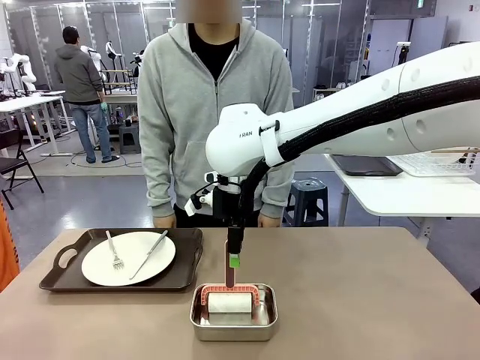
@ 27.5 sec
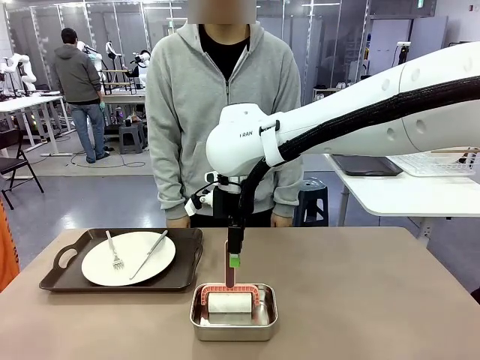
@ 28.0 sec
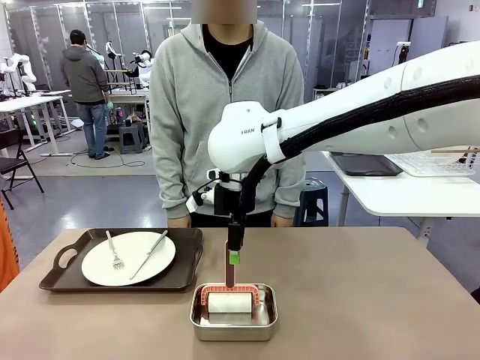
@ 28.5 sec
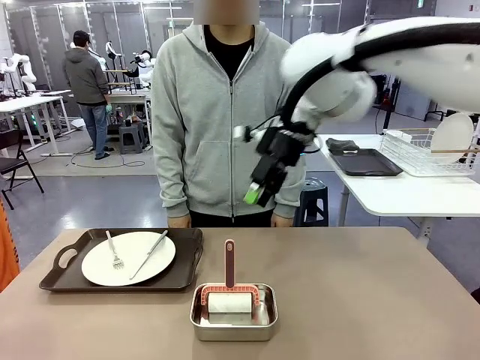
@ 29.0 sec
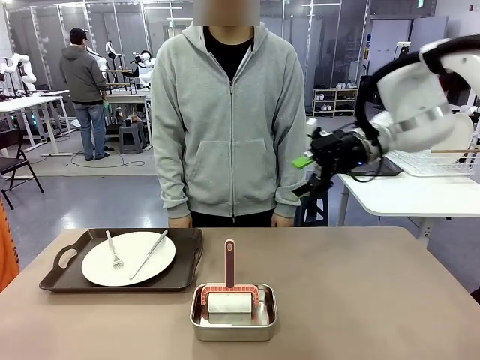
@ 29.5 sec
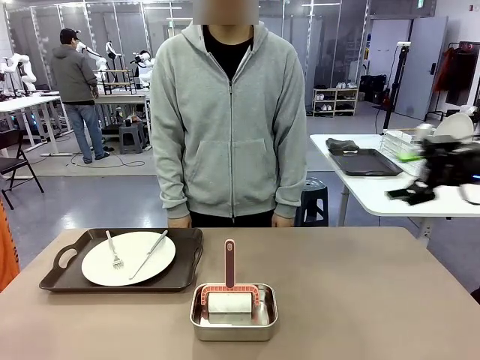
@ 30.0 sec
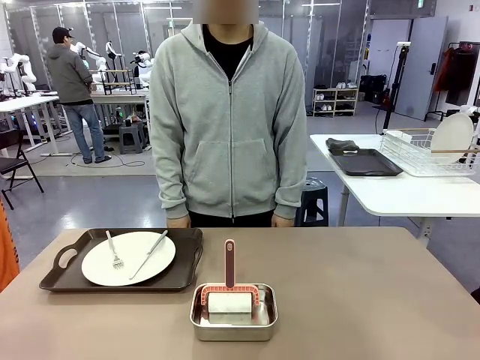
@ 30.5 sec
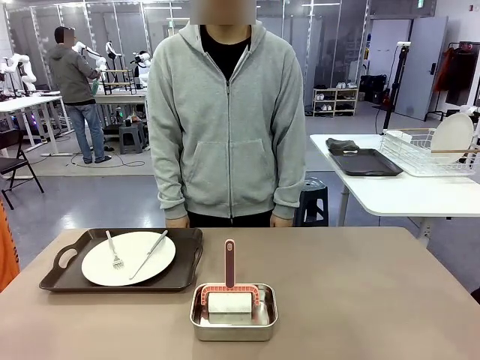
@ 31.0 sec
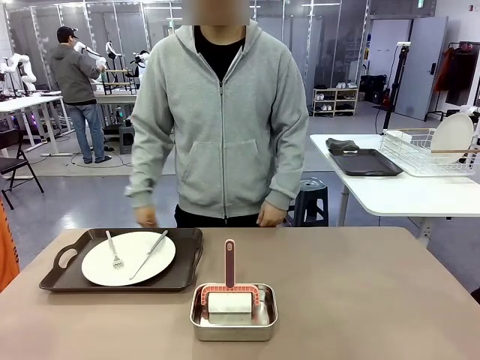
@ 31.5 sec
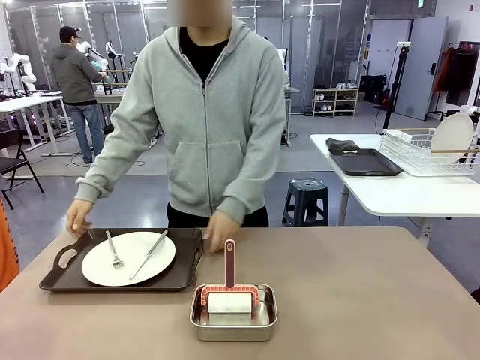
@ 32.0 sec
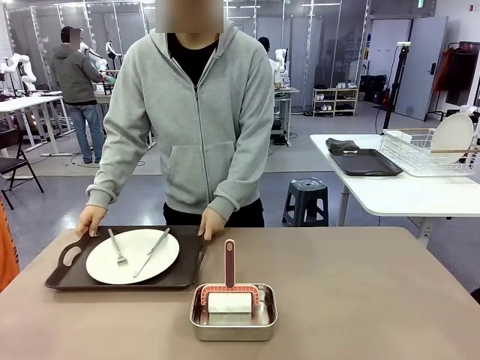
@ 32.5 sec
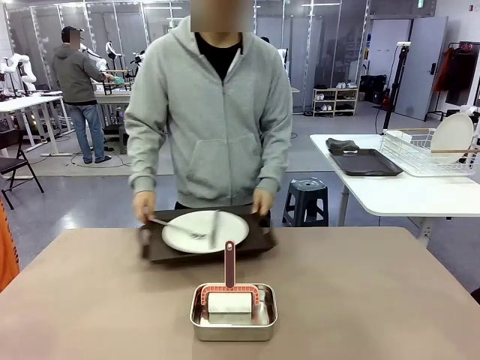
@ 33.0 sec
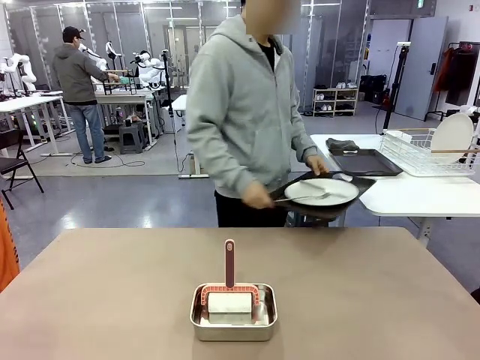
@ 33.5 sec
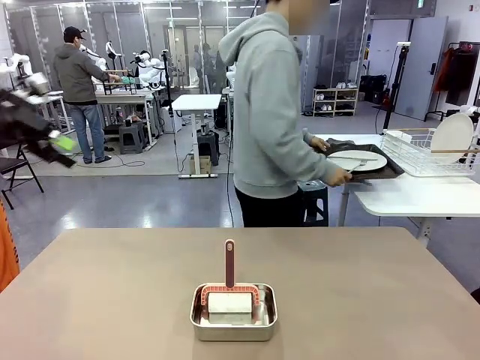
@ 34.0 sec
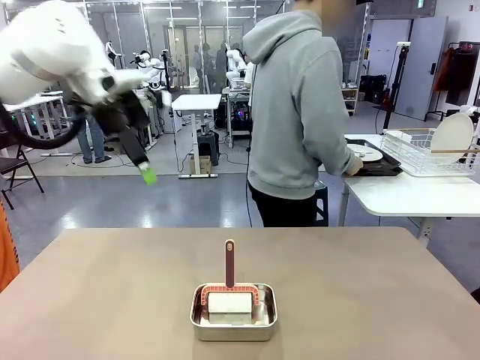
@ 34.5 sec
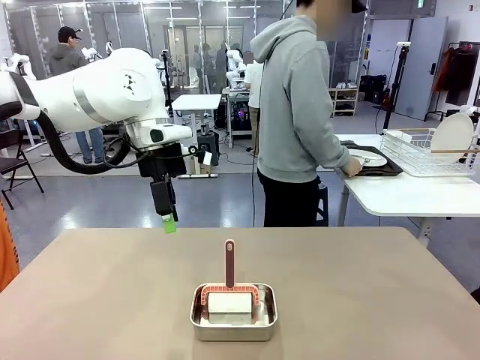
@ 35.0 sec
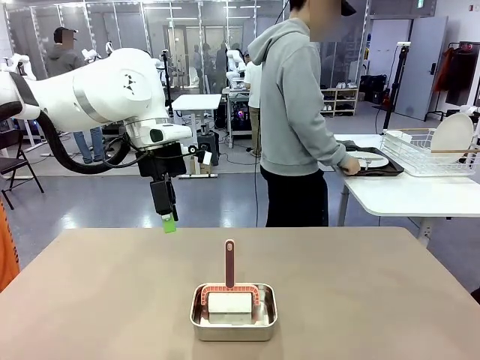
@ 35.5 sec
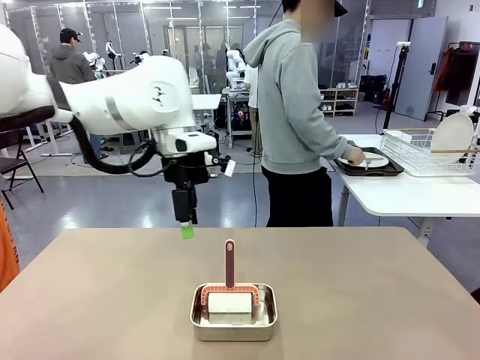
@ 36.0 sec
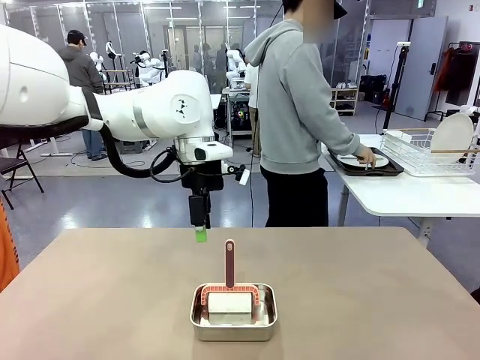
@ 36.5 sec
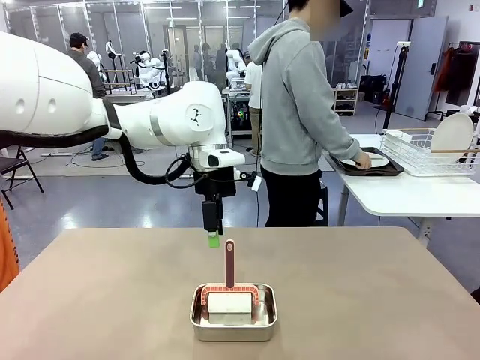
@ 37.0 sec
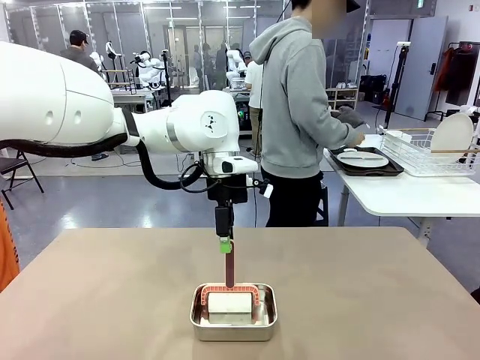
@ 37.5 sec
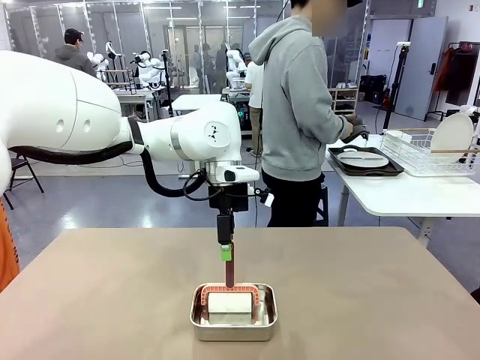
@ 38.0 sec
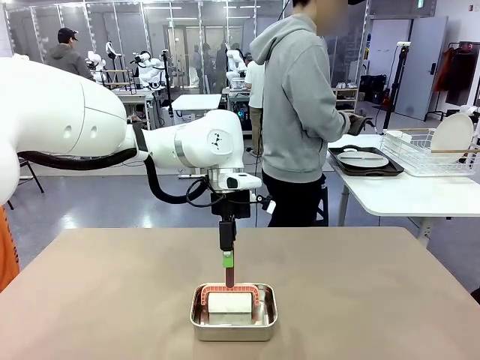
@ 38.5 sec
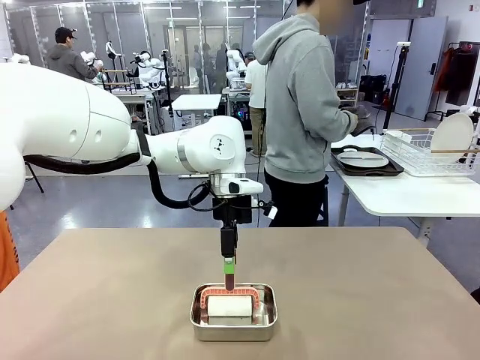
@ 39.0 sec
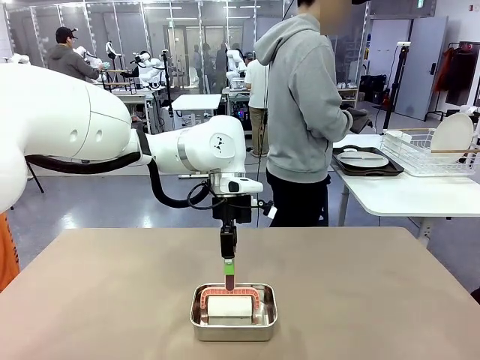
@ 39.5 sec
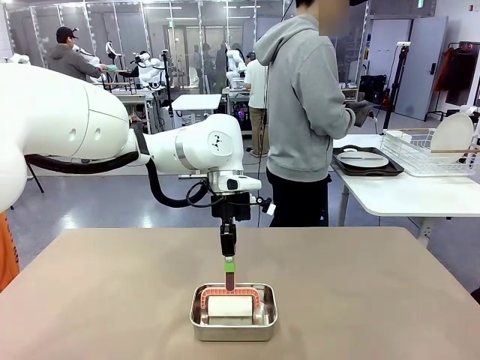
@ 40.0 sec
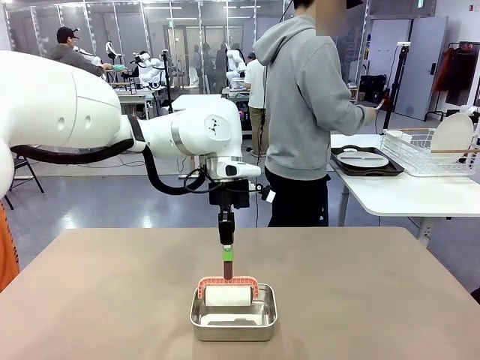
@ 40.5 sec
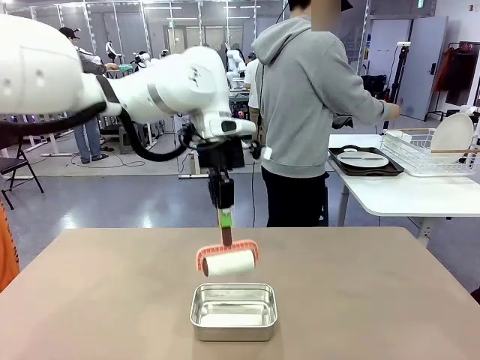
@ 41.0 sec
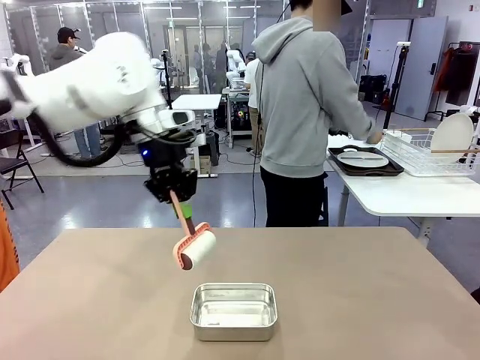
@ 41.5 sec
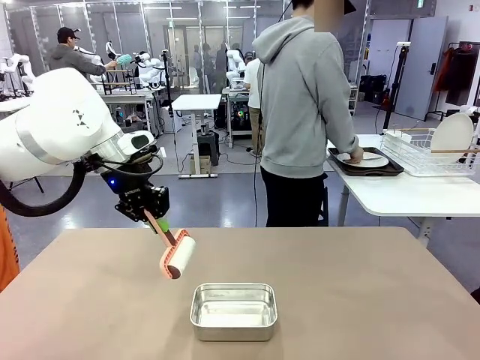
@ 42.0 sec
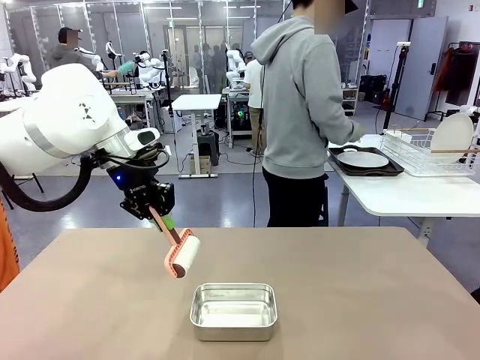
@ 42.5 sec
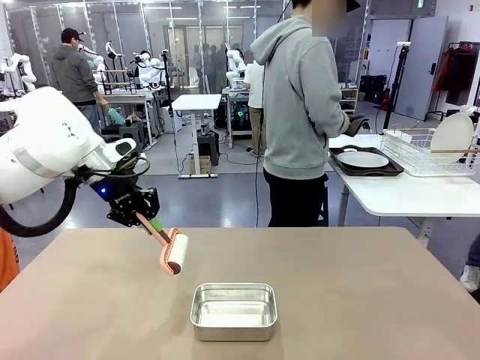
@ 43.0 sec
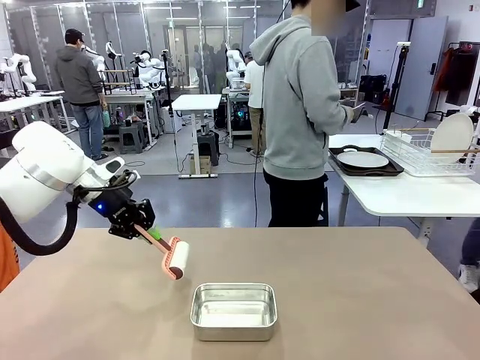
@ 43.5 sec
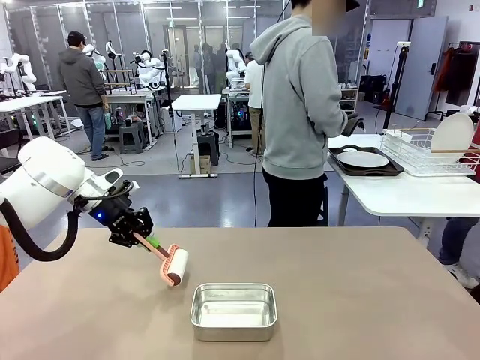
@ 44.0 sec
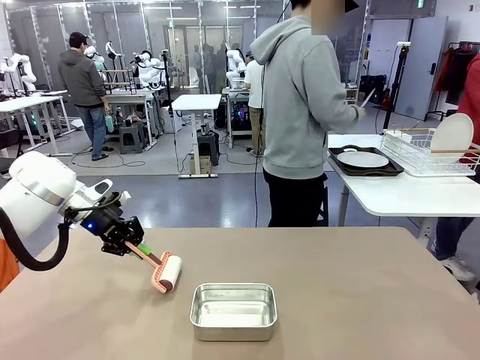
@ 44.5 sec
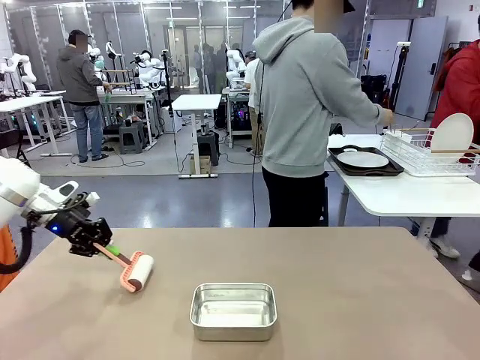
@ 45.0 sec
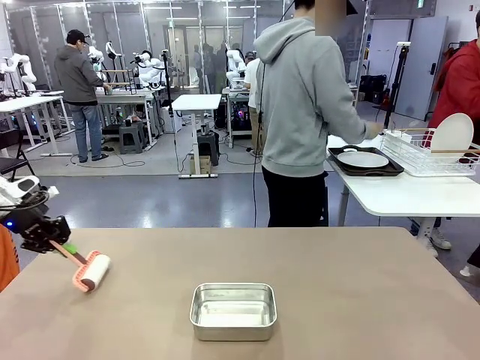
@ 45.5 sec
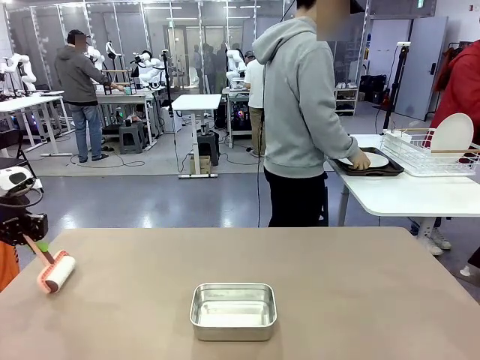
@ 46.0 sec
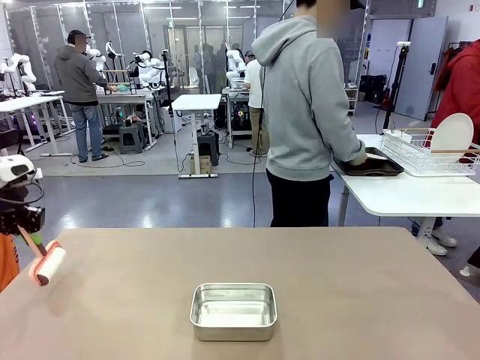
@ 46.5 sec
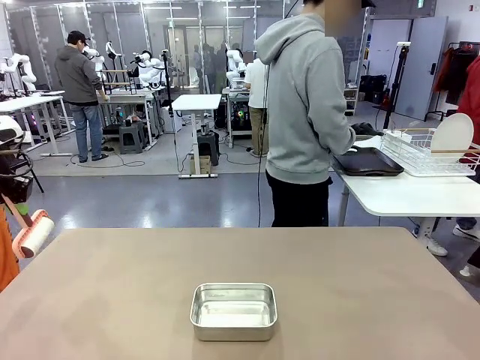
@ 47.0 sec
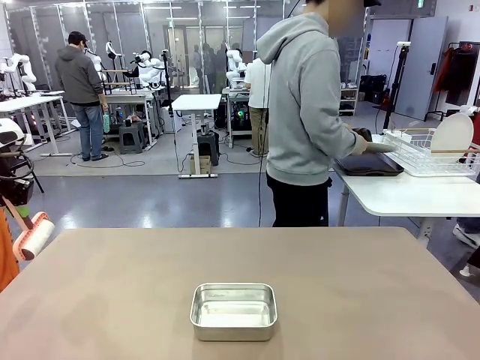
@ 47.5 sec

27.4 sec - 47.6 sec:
Robot: When the right (or left) Handle tray is removed, use the right hand (or left hand) to clean the right (or left) side of the table with the Lint Roller.
Person: Pick up the left (or right) Handle tray and place it on the Handle tray.
